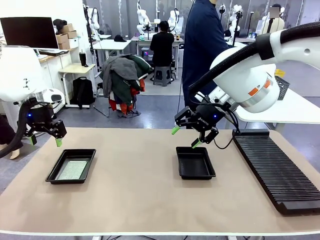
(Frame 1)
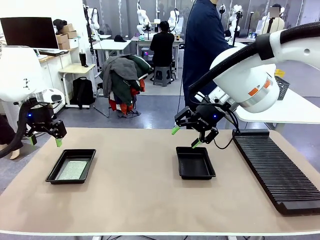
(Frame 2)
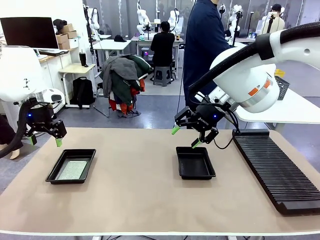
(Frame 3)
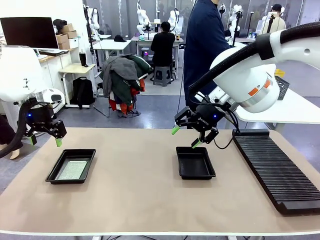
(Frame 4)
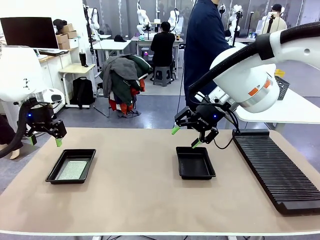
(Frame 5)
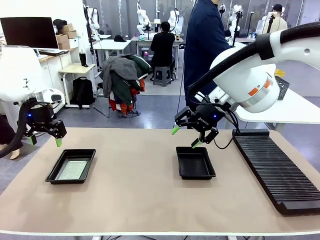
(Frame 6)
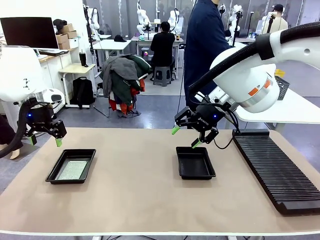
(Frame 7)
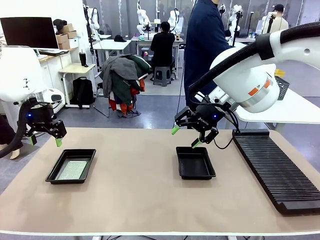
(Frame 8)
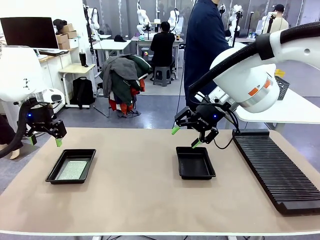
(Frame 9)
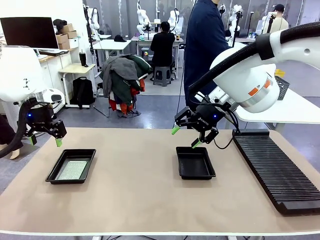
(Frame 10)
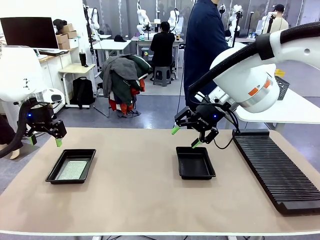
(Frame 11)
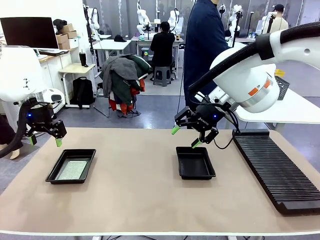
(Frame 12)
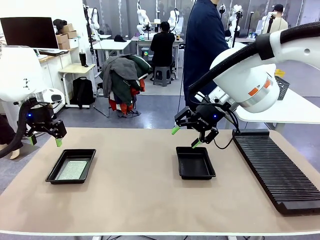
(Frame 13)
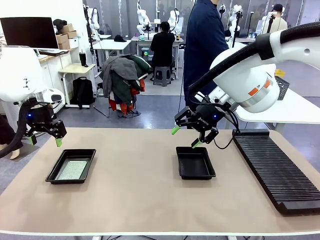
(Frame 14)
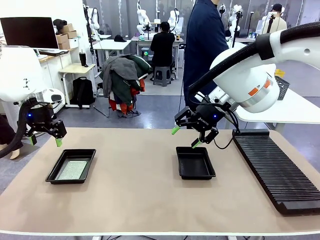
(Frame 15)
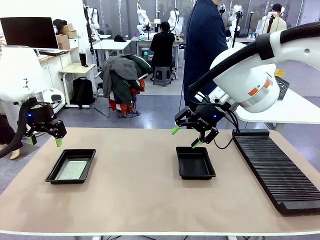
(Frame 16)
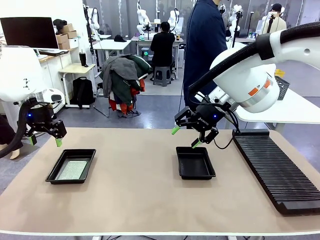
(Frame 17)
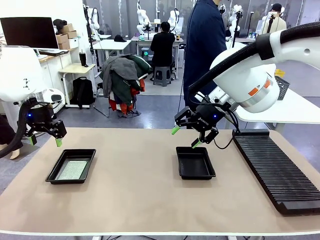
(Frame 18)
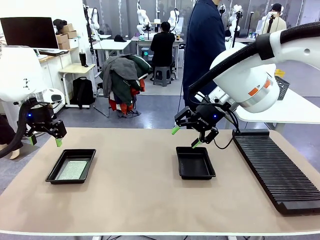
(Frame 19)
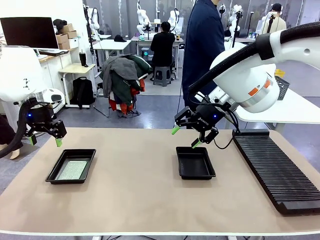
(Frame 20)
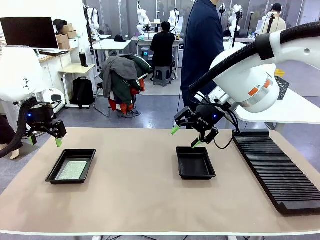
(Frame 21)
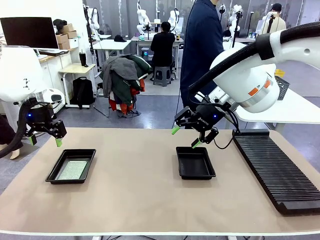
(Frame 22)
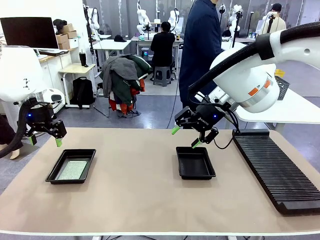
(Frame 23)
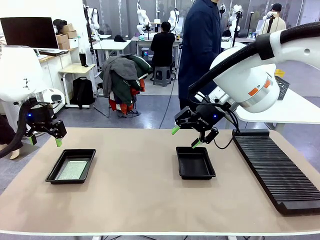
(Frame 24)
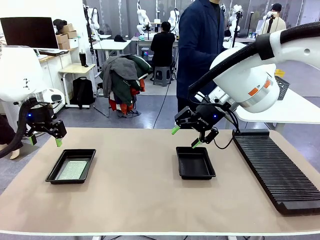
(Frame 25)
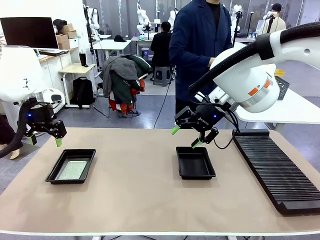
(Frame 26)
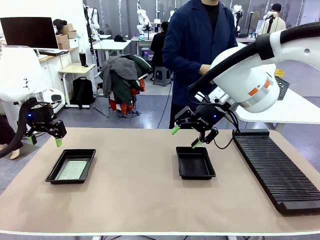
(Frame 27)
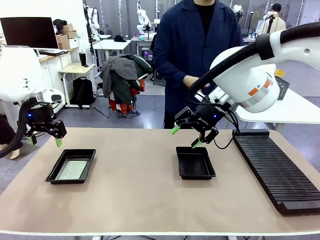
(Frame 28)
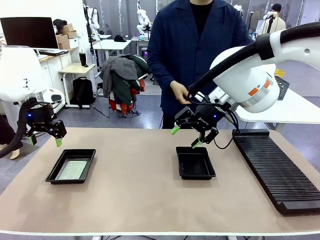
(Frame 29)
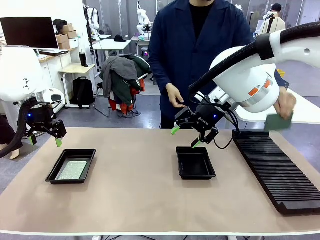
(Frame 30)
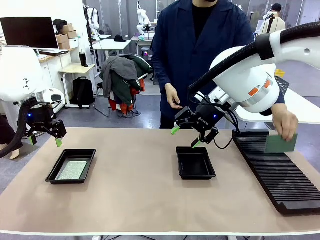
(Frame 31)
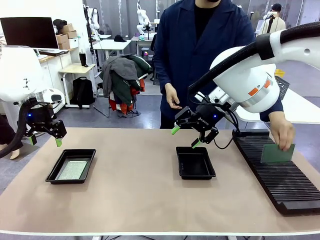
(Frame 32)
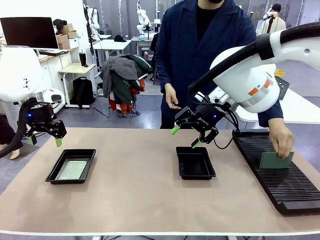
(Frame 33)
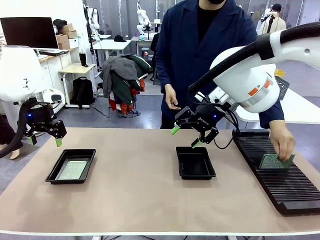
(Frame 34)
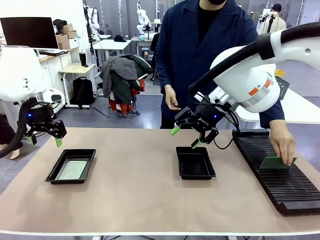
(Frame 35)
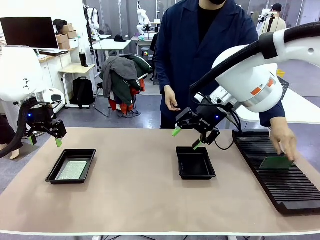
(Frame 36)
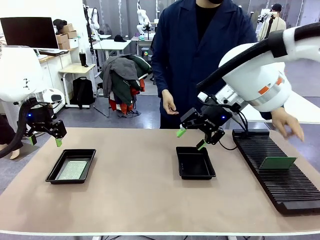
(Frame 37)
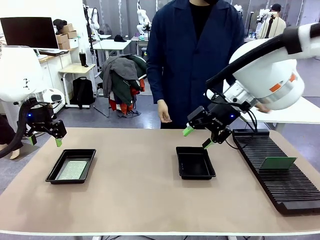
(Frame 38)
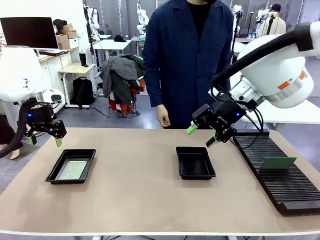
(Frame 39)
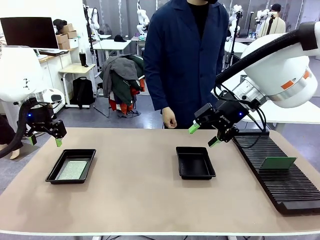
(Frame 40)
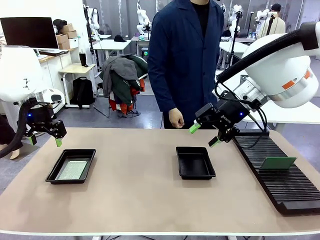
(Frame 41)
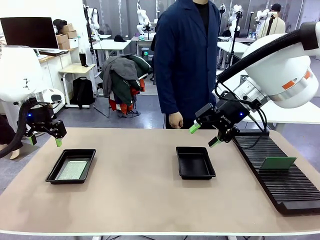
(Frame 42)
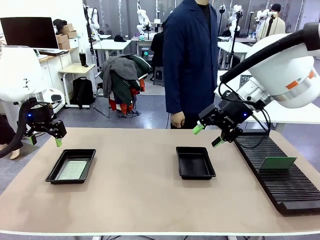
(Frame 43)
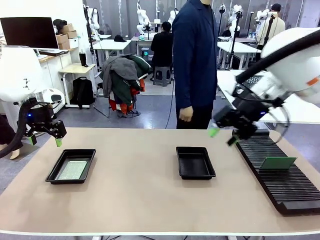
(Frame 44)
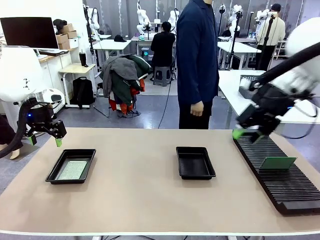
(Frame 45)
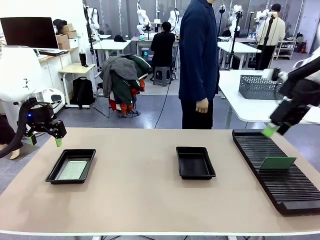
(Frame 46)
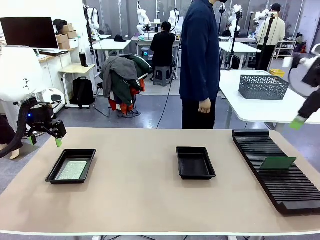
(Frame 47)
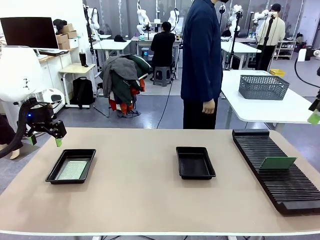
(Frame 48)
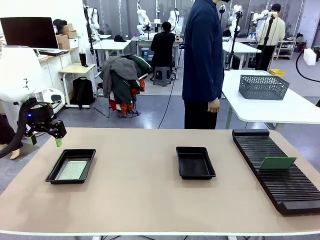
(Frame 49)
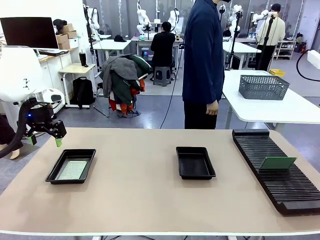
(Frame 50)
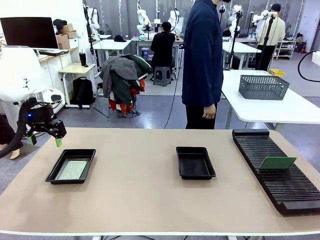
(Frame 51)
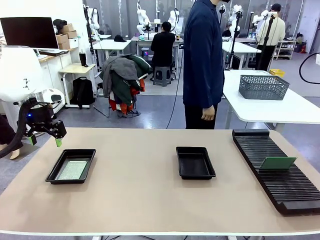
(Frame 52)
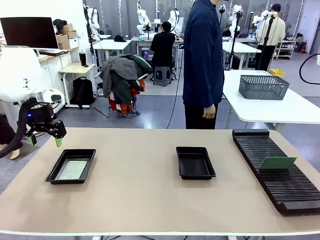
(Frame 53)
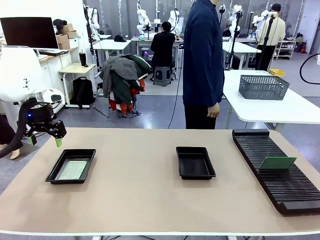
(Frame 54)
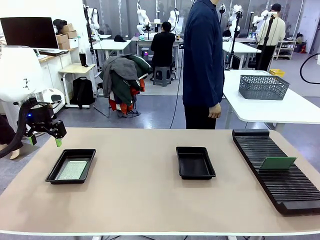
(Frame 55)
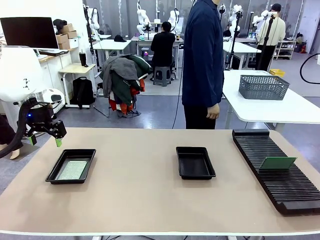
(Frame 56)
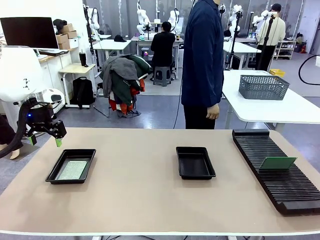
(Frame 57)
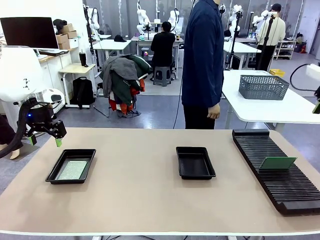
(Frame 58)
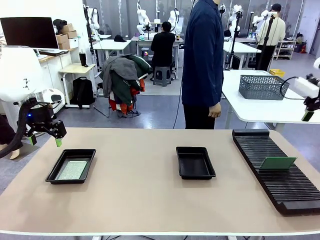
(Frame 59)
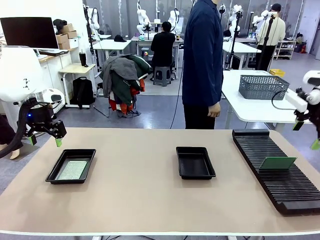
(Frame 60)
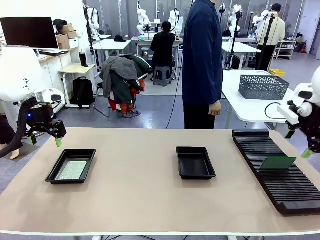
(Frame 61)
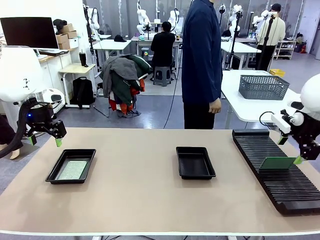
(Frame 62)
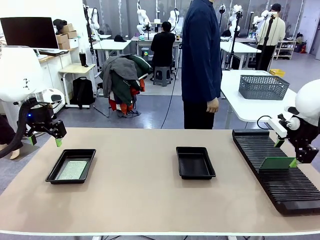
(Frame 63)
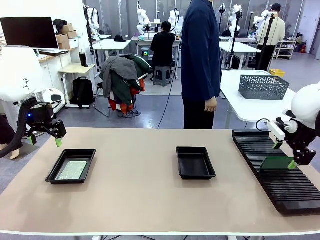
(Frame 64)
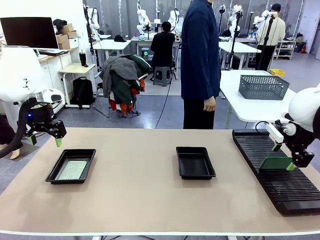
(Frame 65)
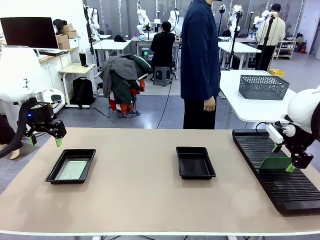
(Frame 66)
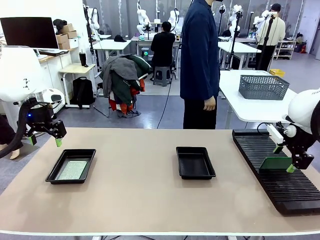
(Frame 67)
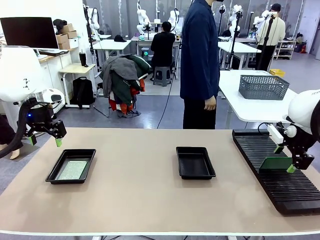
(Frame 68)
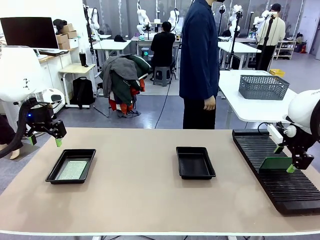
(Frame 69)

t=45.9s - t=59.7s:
Task: Inspect and transfer BCBs to ESD trays.
Robot: Pick up the Blank PCB from the PCB Rack and place it in the right ESD tray.

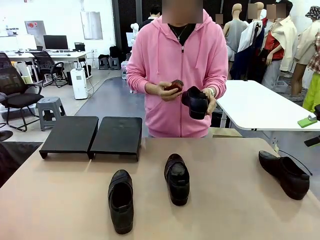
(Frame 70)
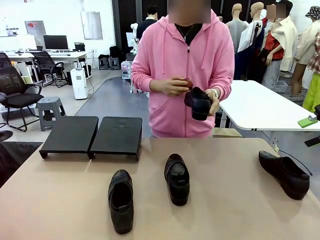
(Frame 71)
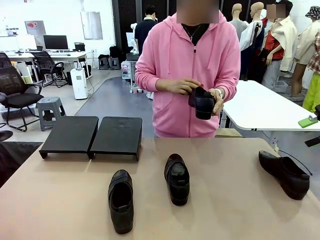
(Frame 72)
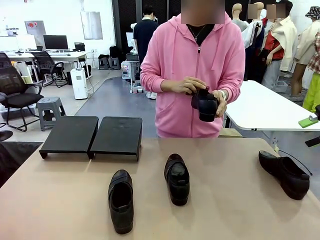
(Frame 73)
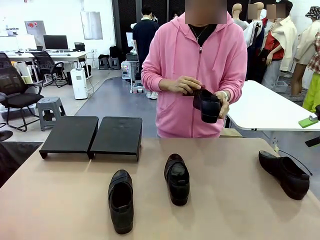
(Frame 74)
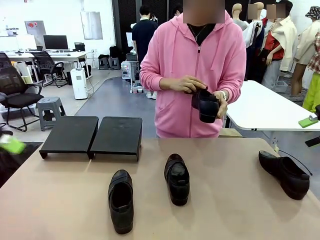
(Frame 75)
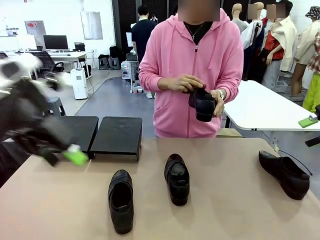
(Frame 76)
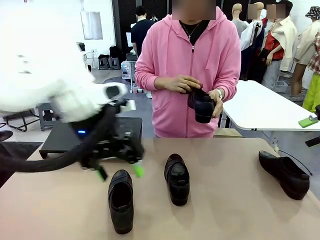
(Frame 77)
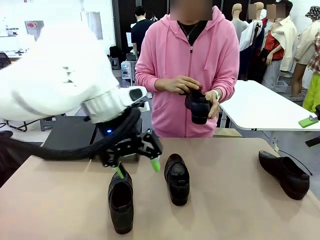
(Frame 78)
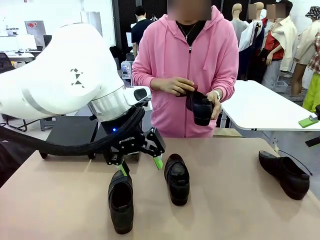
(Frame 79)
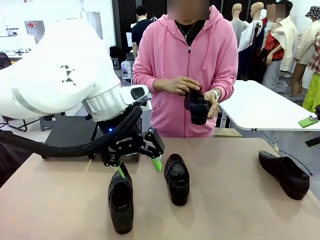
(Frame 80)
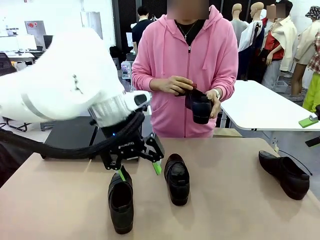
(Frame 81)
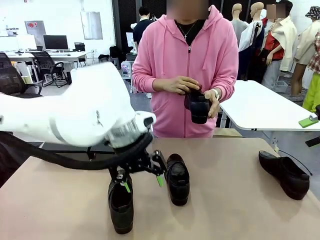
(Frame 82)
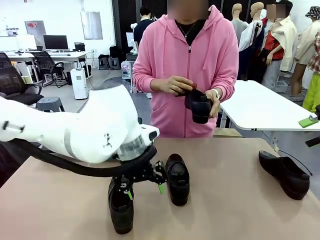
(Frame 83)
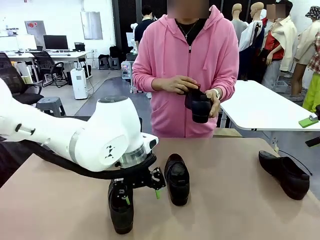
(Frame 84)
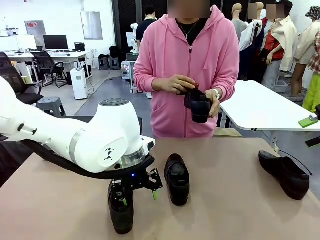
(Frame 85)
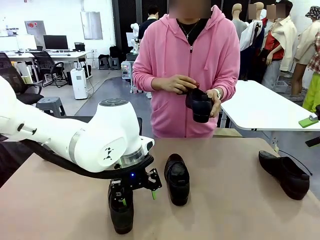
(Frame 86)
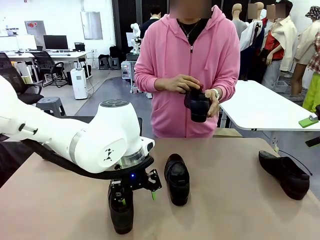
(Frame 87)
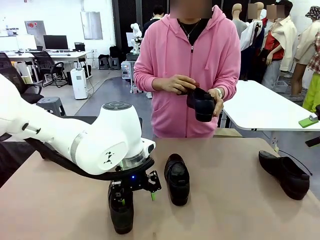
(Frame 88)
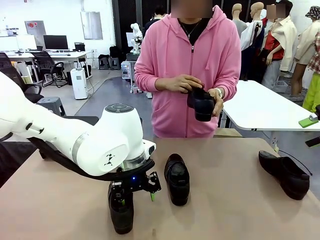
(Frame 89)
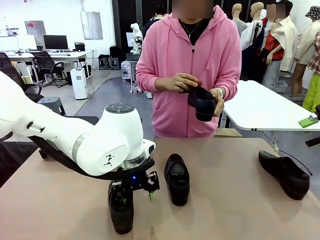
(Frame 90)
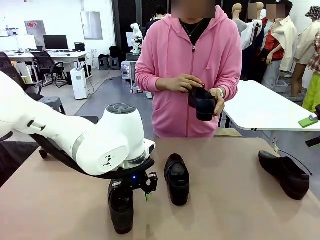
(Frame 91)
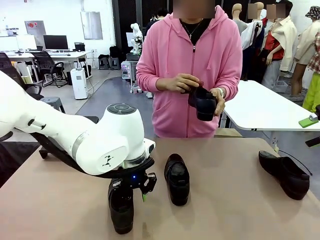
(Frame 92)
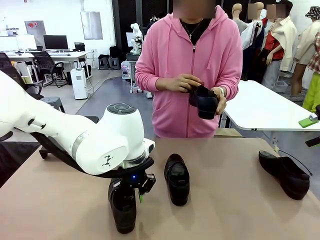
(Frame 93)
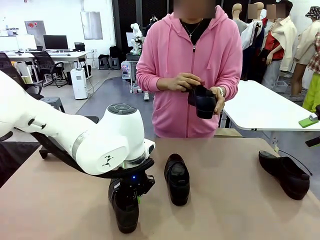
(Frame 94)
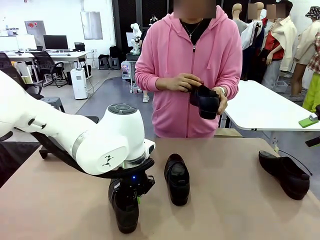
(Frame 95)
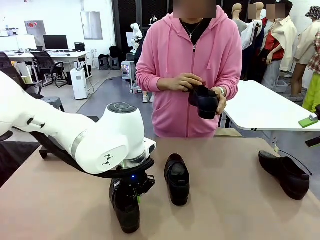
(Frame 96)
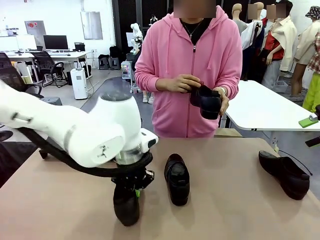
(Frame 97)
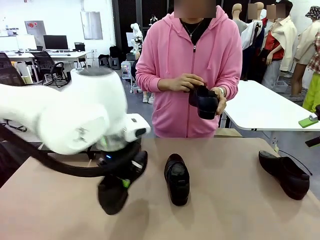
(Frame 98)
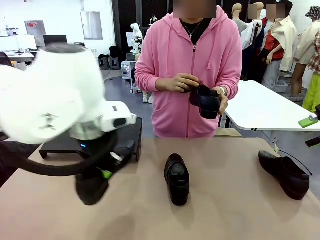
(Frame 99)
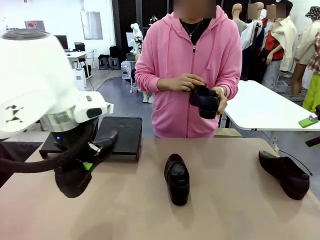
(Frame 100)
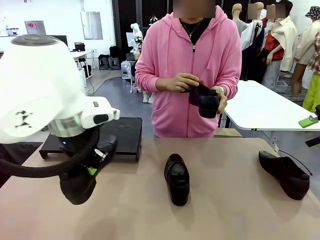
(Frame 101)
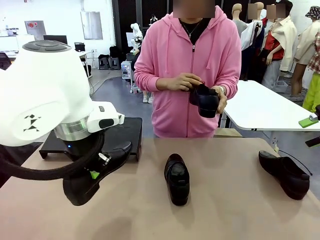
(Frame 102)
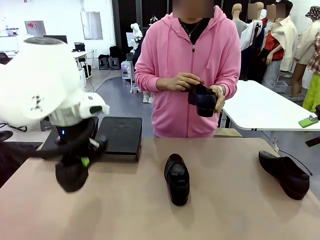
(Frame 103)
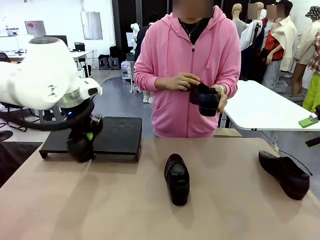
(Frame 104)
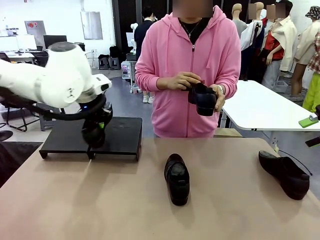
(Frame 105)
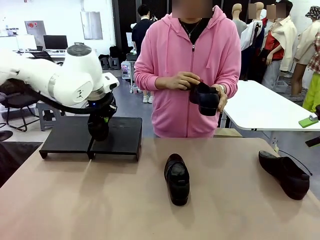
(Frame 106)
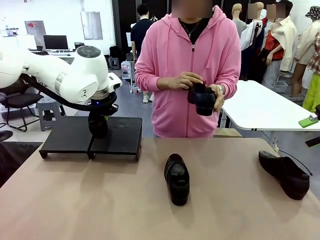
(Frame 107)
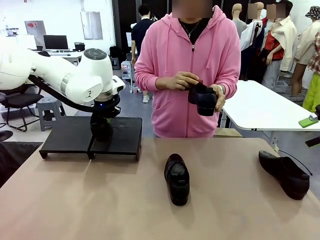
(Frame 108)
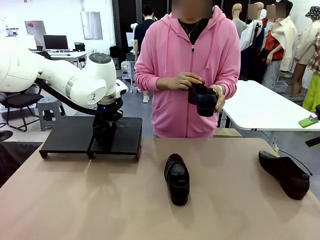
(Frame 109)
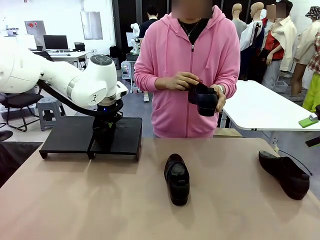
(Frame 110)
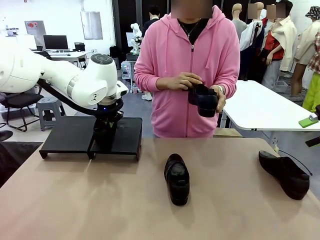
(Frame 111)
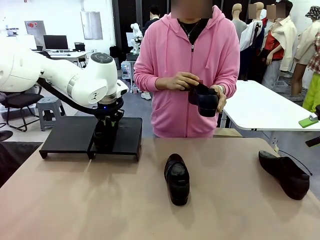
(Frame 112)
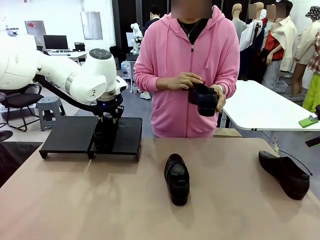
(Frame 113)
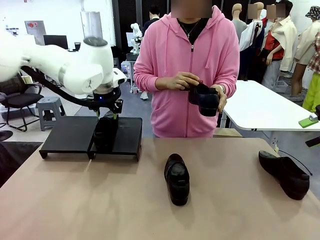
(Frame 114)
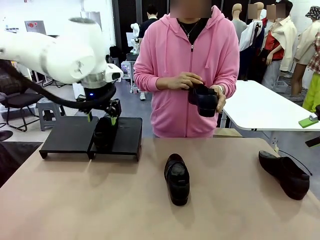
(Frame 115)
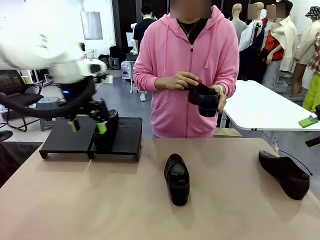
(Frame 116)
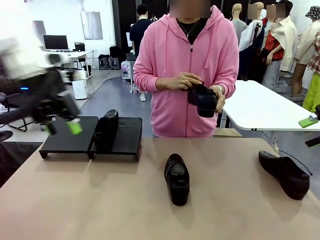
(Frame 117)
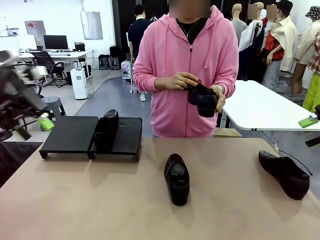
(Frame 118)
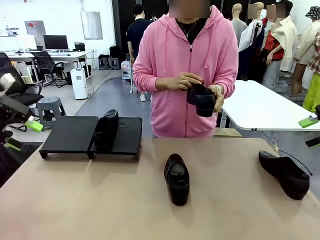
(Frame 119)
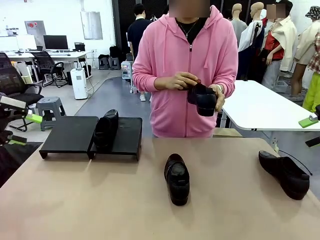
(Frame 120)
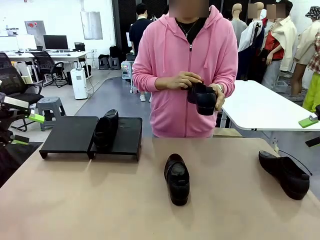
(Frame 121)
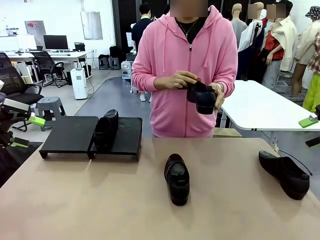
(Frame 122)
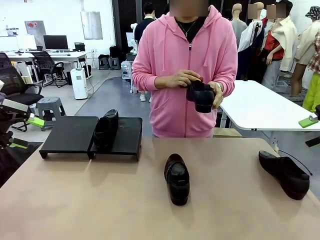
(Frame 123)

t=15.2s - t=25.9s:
Task: Organize the shoes by placing them on the stand.
Robot: Place the Shoe from the middle of the table onto the Shoes Stand.
Person: Clean the Shoe with the Shoe Brush.
